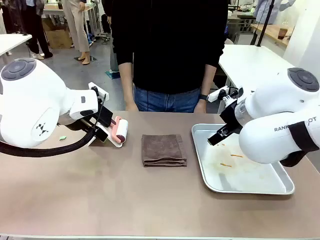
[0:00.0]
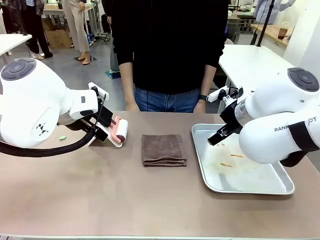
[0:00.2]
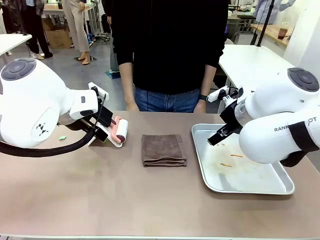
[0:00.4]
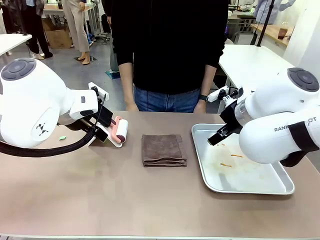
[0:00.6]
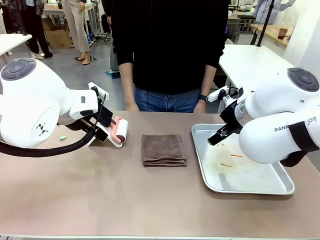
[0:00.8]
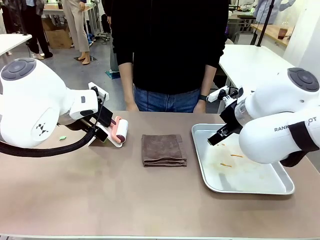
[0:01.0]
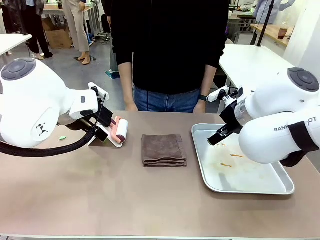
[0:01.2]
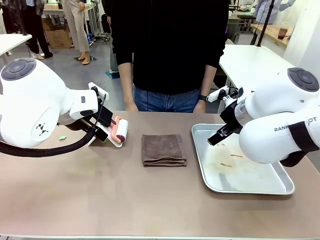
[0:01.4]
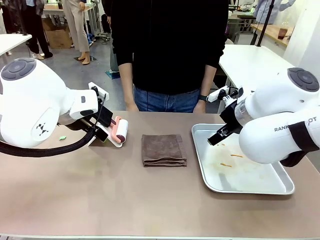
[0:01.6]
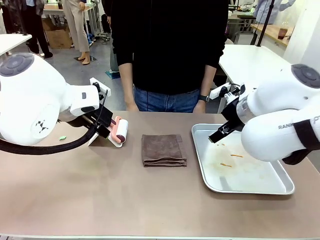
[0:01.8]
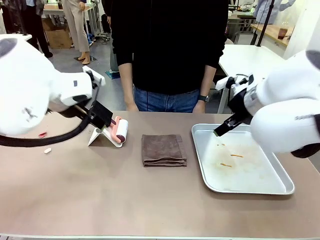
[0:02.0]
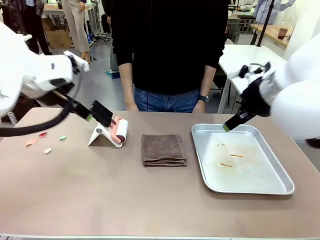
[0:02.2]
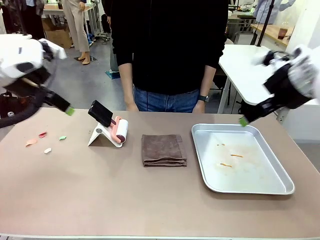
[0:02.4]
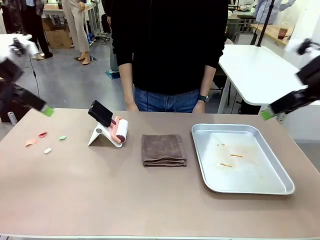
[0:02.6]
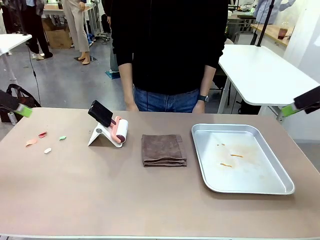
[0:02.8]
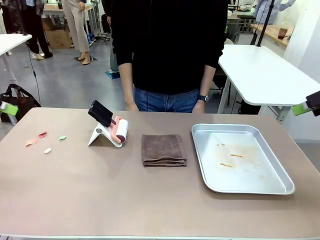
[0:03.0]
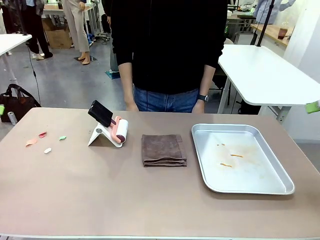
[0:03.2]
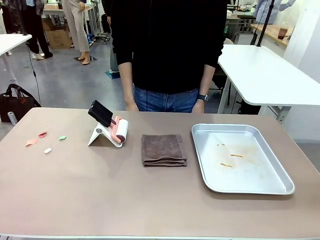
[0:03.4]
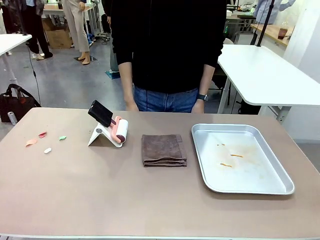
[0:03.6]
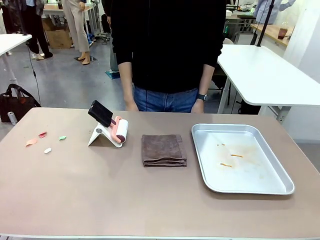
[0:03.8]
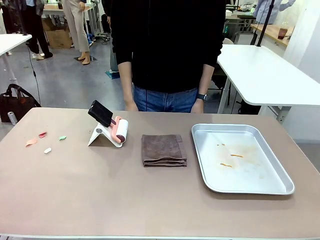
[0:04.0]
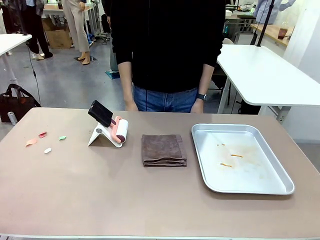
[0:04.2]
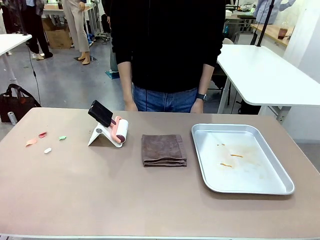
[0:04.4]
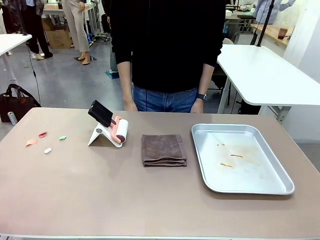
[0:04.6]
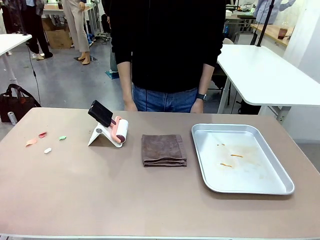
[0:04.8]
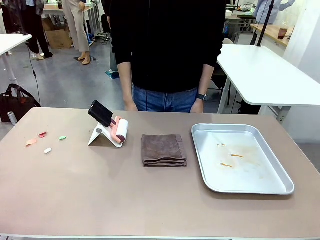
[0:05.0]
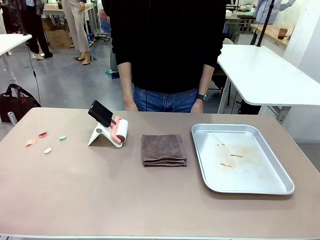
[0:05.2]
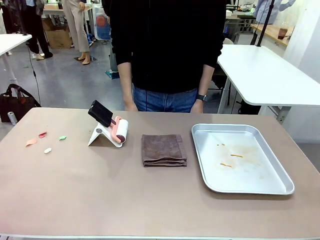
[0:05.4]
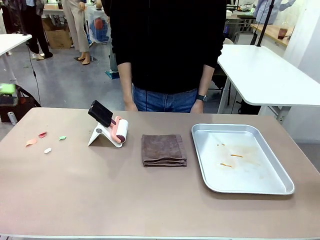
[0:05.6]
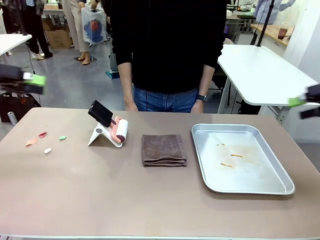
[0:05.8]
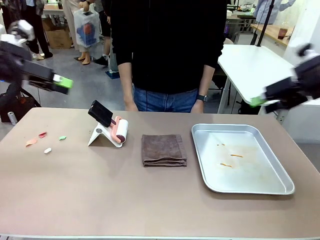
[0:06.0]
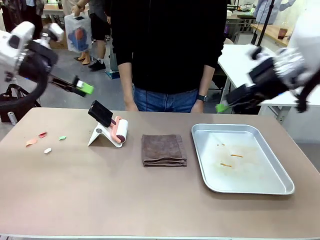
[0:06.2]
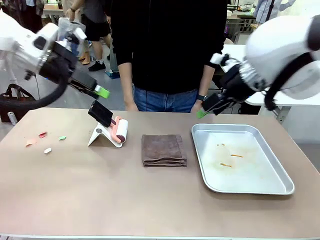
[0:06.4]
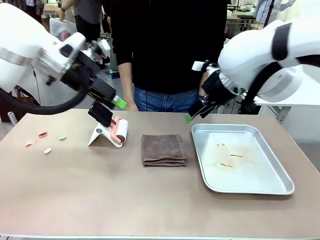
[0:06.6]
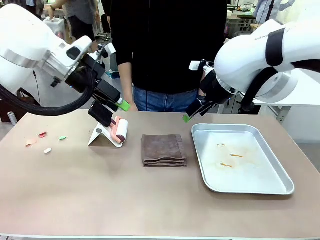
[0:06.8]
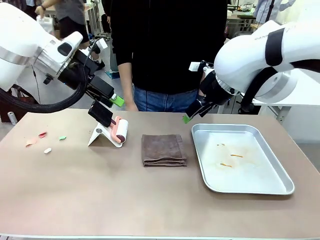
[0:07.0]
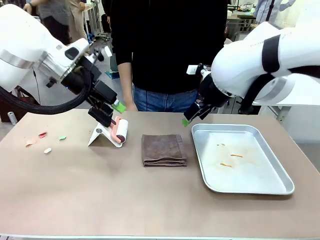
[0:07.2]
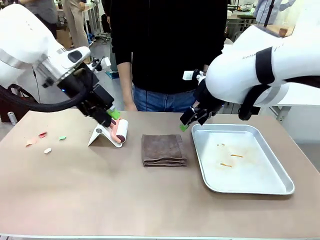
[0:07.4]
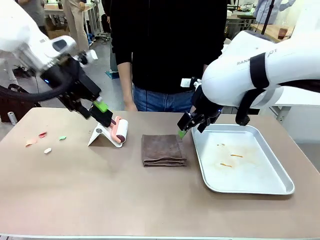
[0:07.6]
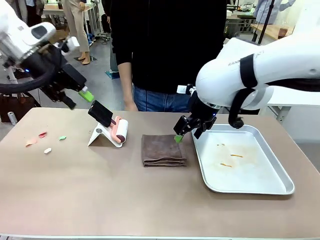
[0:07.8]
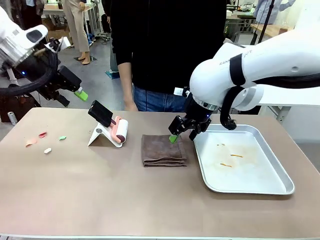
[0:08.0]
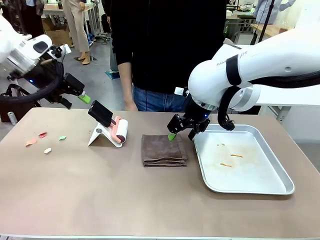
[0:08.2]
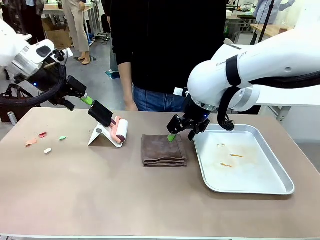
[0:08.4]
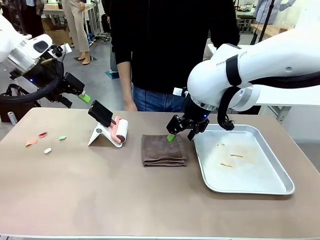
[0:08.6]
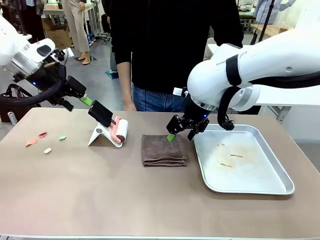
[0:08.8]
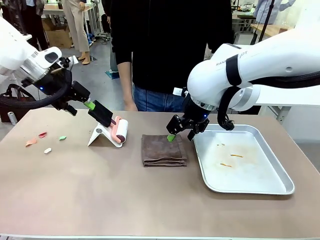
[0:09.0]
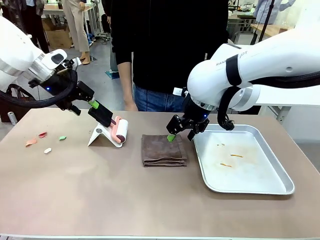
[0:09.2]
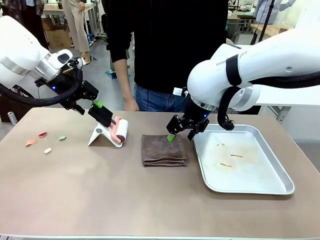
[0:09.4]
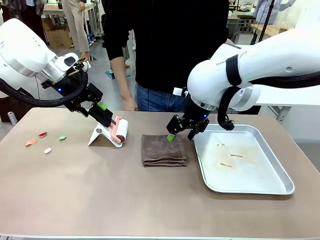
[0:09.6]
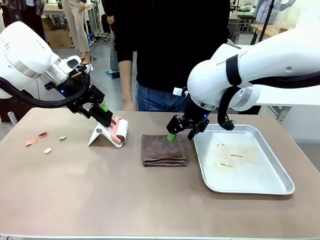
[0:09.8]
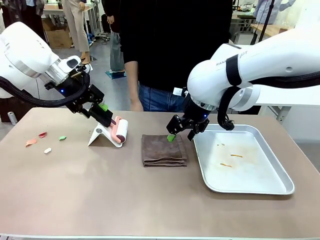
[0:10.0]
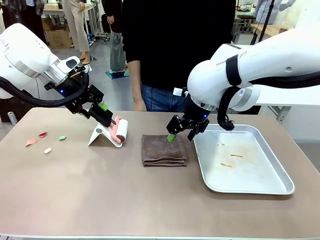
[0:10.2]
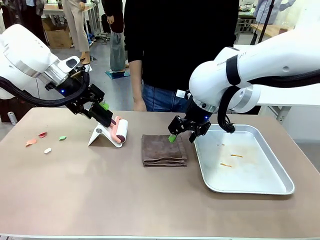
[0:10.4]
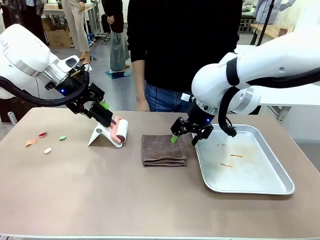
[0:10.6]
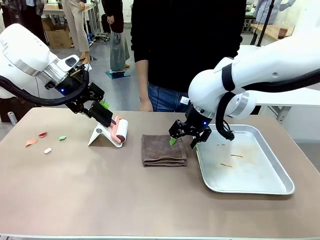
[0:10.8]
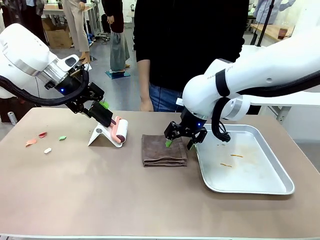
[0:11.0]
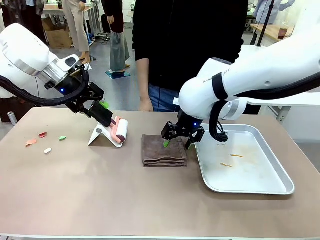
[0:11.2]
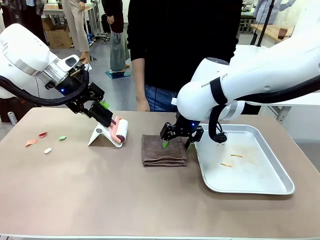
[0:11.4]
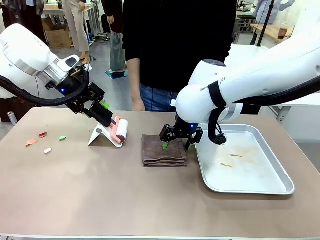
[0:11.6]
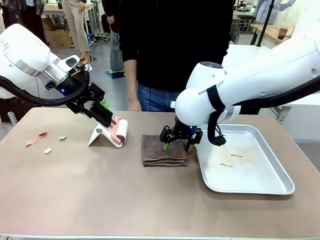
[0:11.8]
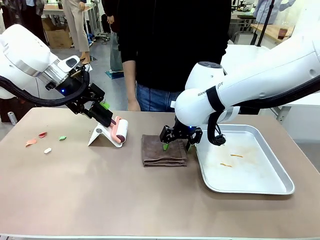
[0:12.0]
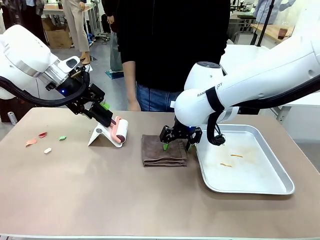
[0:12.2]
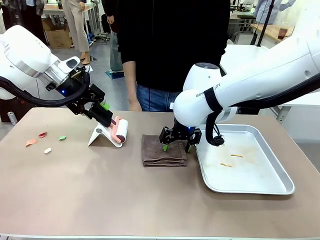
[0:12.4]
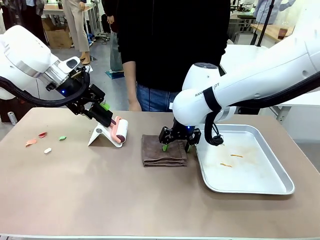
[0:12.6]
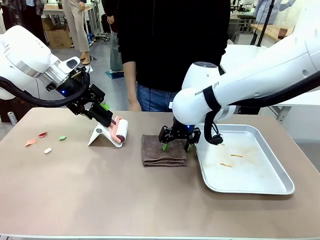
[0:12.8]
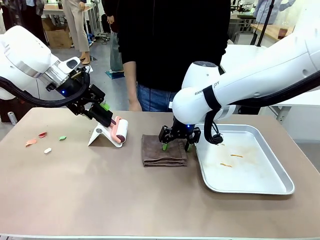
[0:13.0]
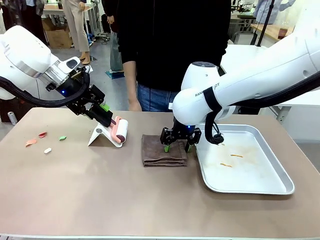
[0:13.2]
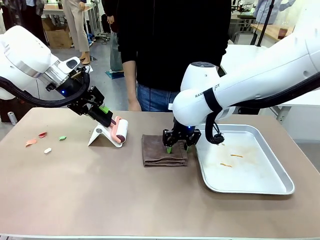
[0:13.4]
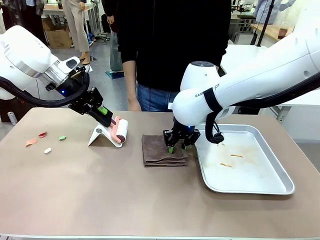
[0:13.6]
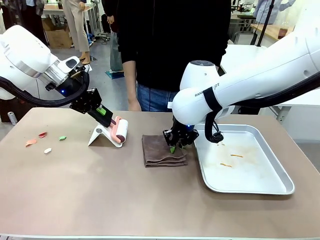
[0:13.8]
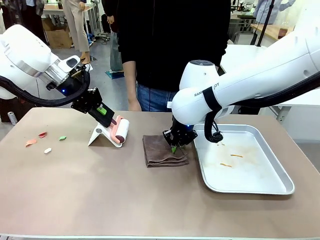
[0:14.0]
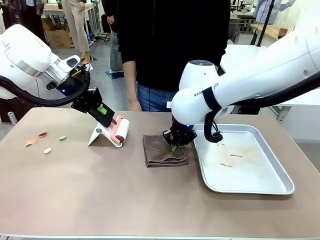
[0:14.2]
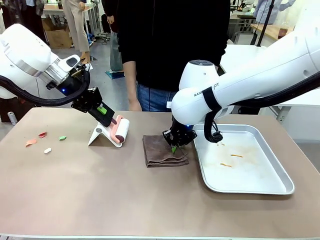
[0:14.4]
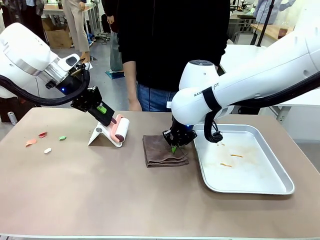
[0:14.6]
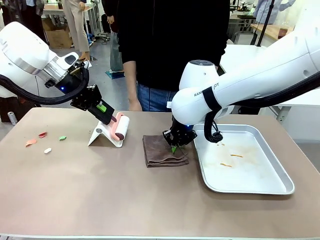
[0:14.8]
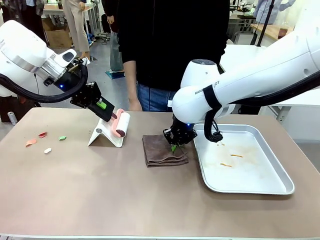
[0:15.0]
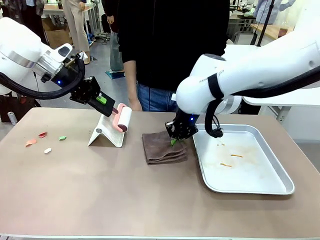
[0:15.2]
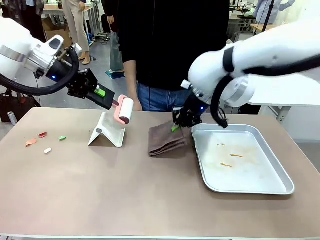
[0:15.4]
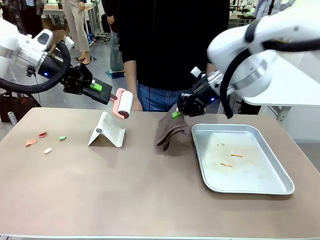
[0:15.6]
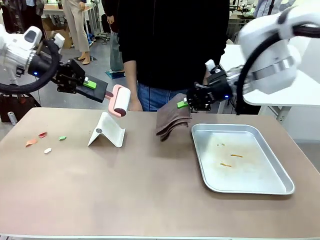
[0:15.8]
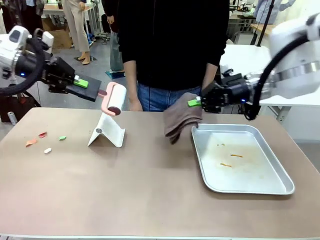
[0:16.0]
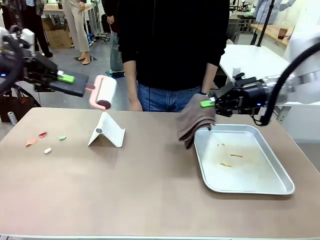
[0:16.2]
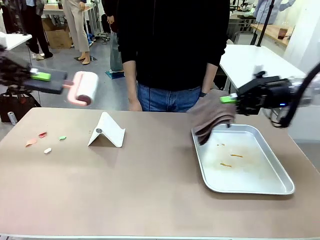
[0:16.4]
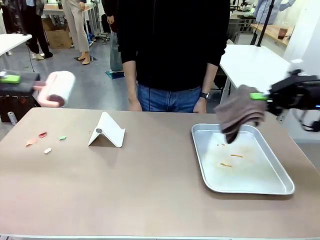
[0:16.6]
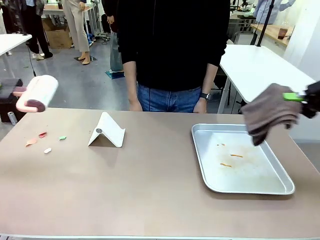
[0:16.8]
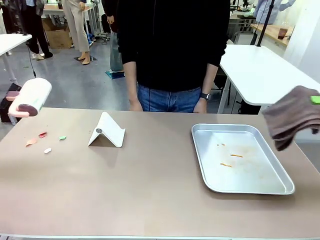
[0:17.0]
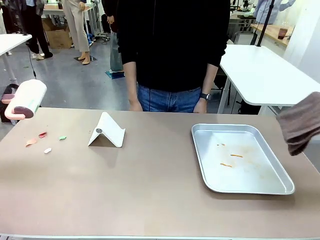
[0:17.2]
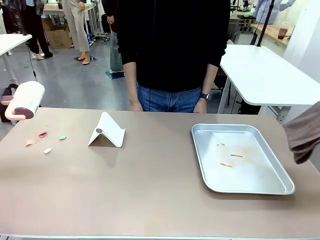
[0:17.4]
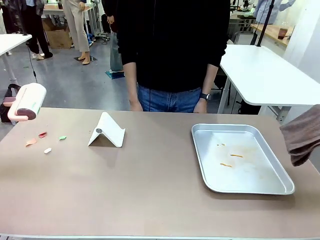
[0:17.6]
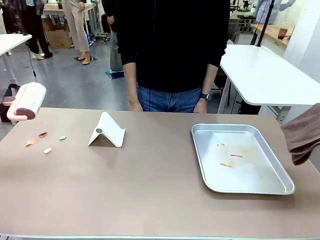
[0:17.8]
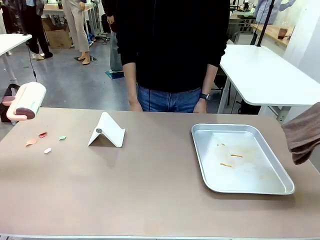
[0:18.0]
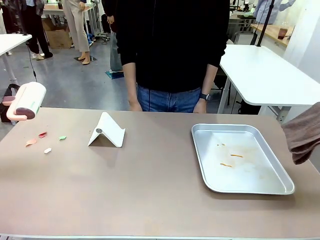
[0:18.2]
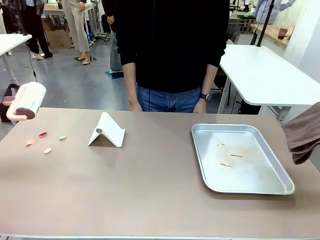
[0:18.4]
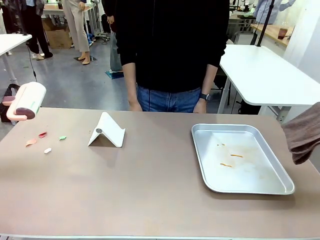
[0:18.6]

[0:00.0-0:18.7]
Task: Clean the surface of the table.
Robot: Hold the Lint Roller with your left hand and the towel with your right hand.
